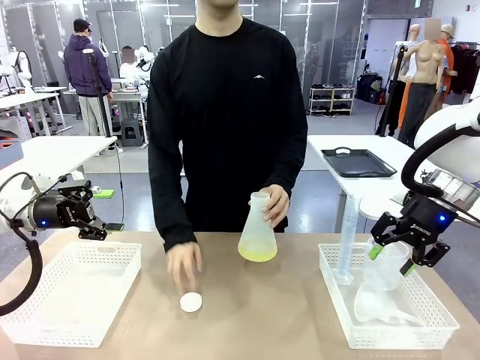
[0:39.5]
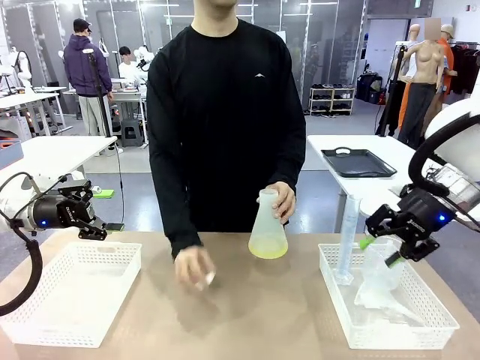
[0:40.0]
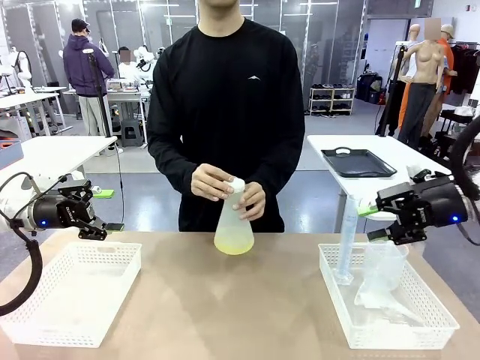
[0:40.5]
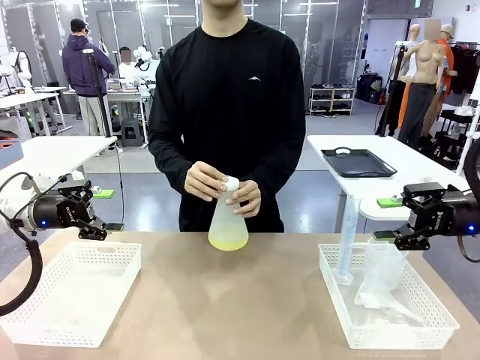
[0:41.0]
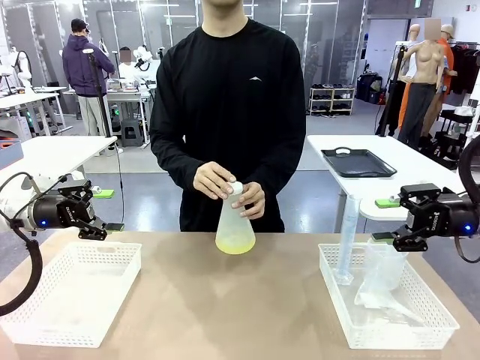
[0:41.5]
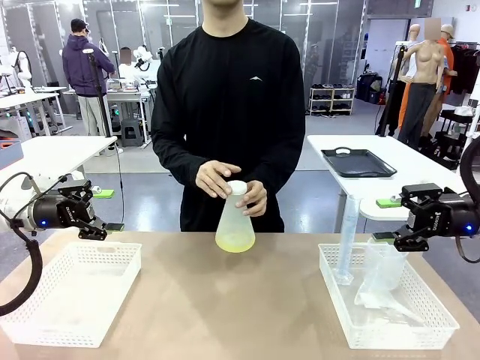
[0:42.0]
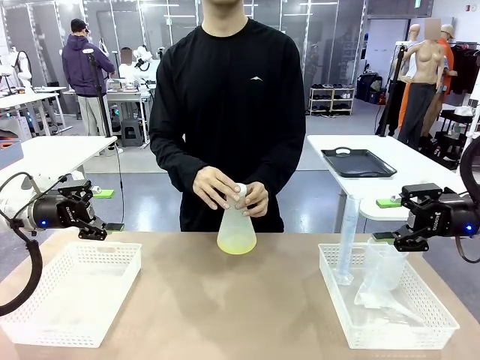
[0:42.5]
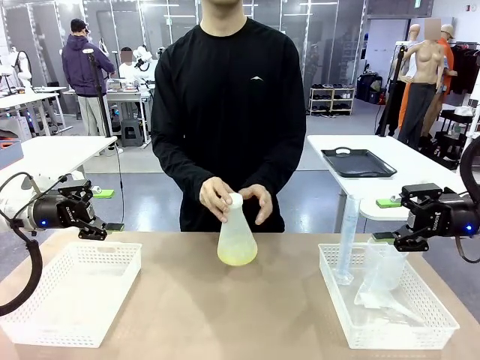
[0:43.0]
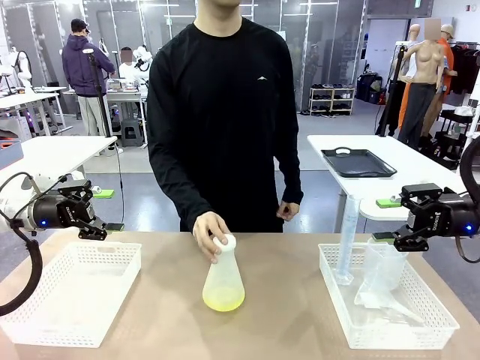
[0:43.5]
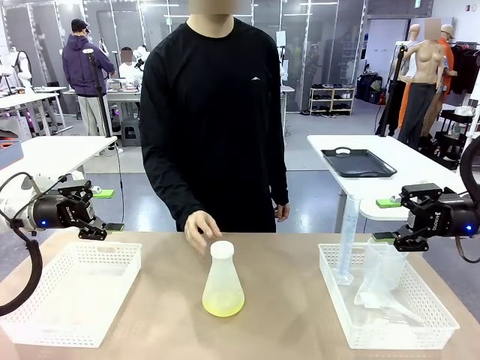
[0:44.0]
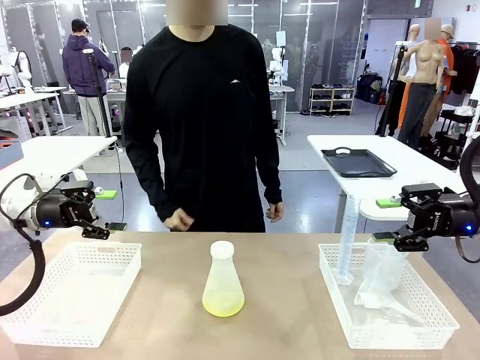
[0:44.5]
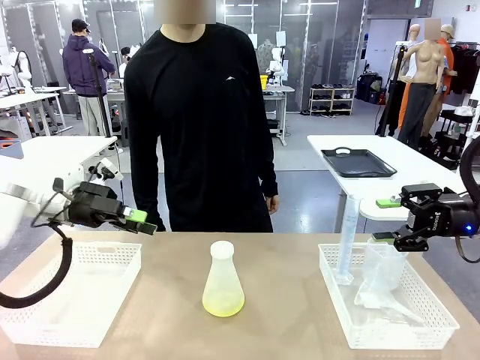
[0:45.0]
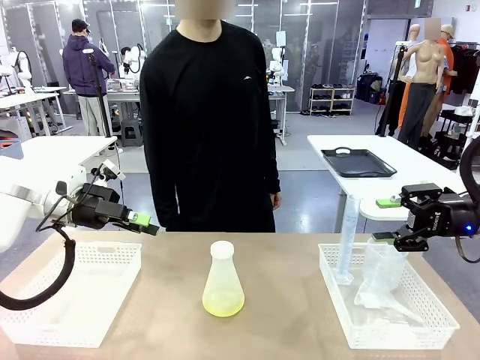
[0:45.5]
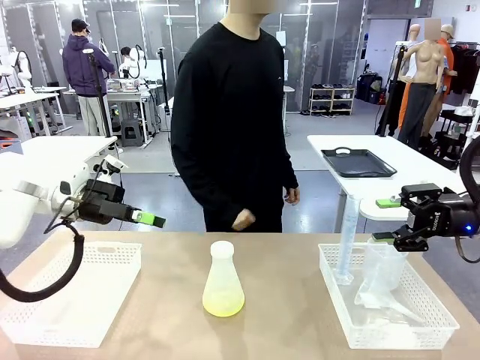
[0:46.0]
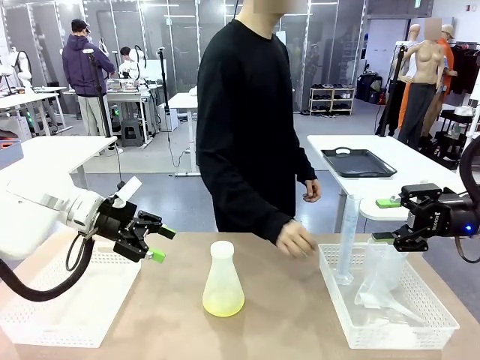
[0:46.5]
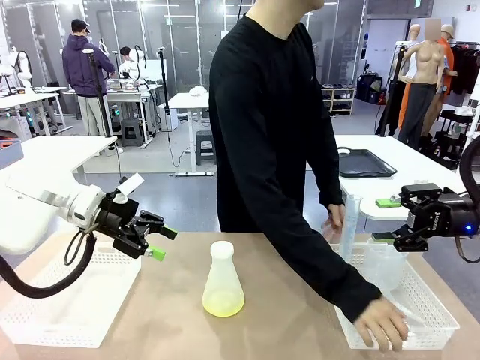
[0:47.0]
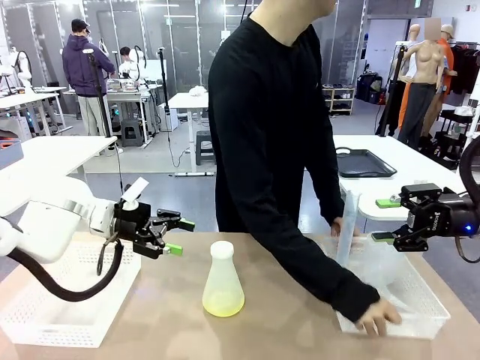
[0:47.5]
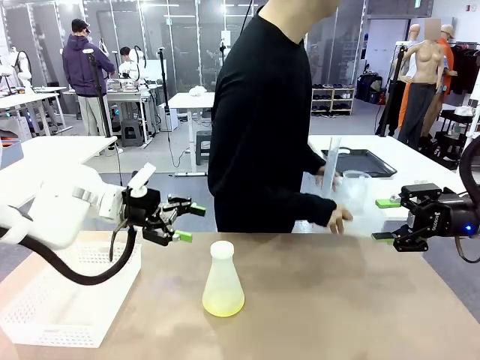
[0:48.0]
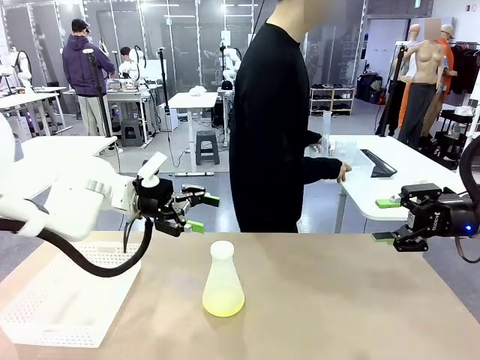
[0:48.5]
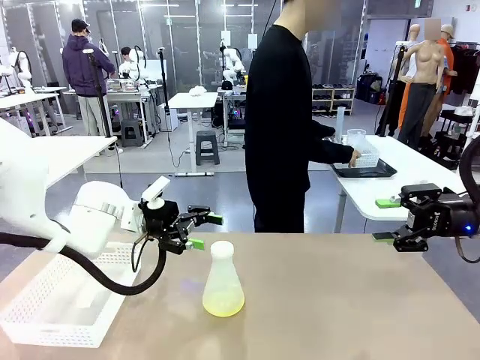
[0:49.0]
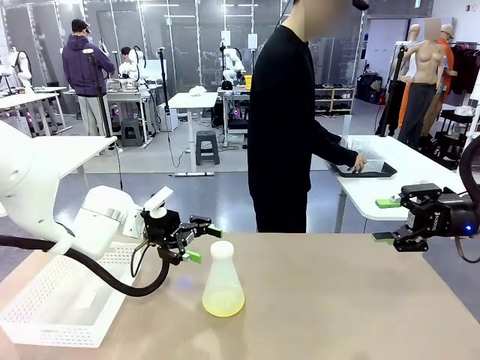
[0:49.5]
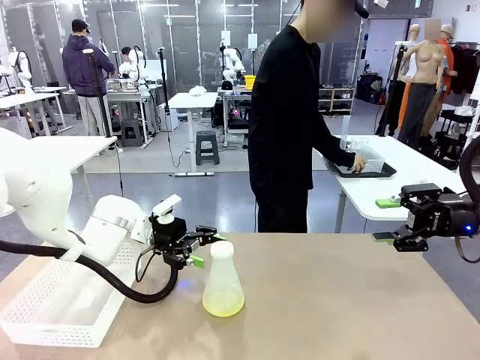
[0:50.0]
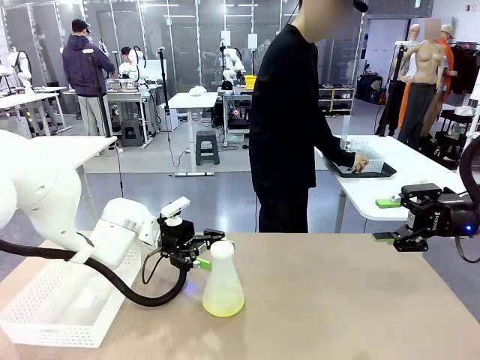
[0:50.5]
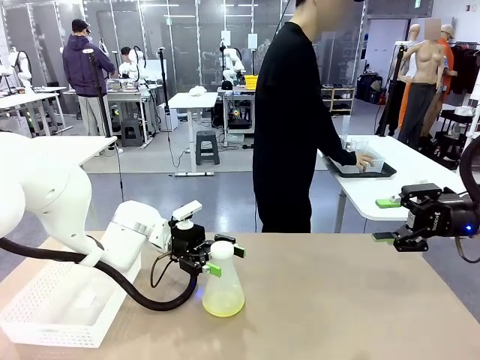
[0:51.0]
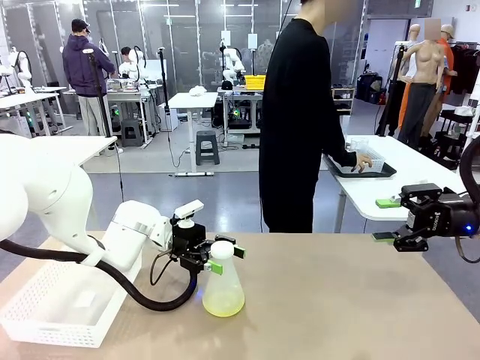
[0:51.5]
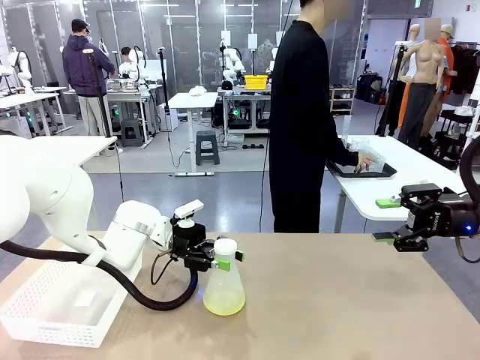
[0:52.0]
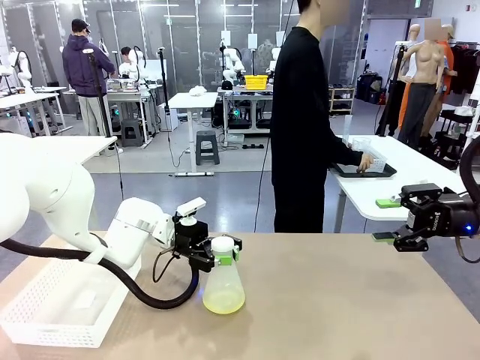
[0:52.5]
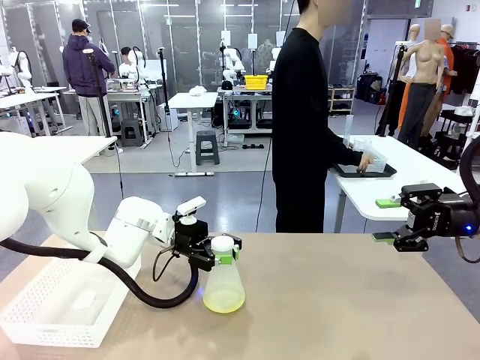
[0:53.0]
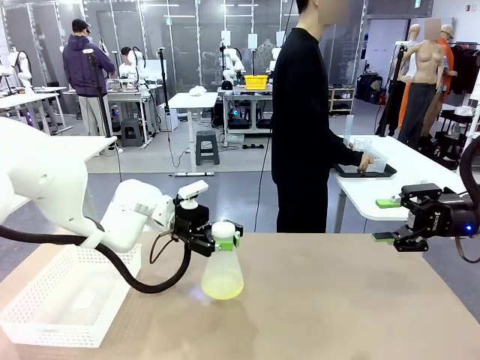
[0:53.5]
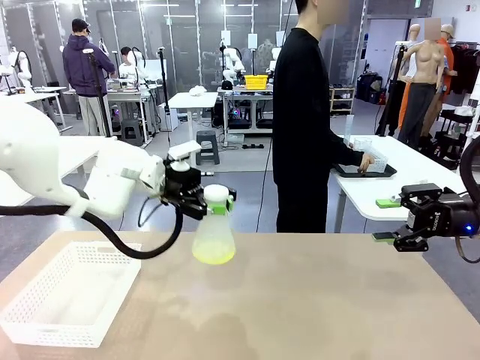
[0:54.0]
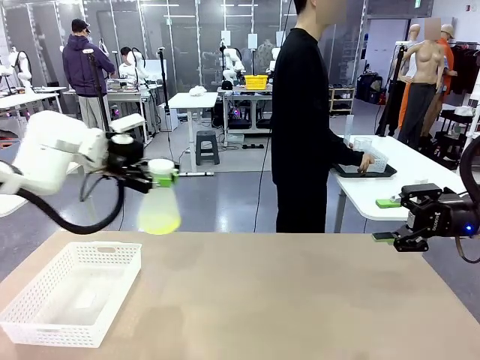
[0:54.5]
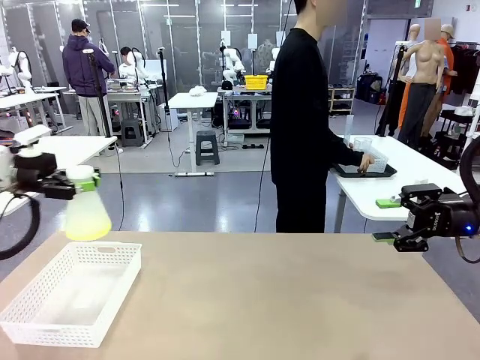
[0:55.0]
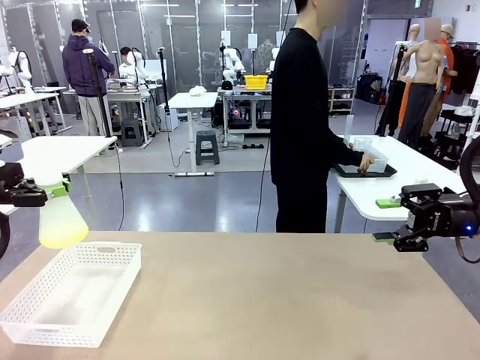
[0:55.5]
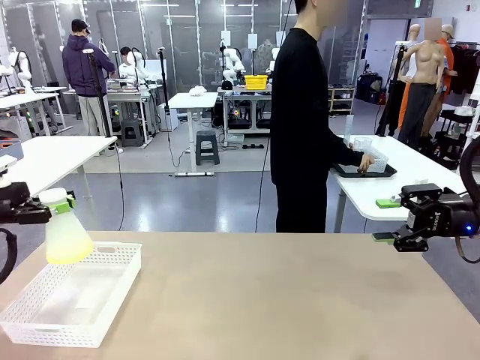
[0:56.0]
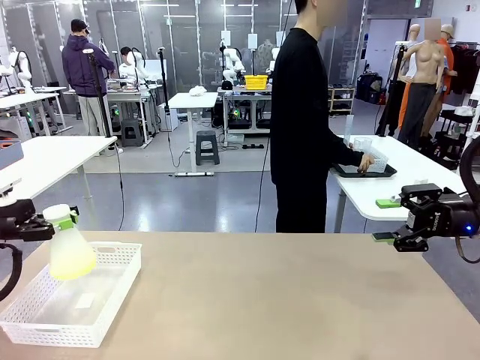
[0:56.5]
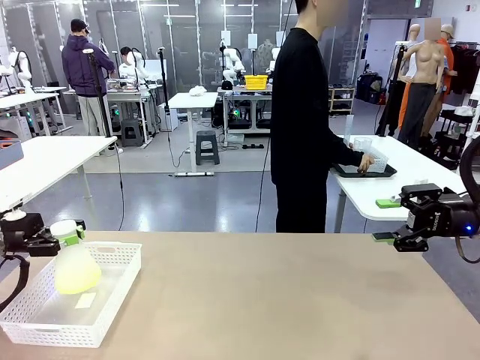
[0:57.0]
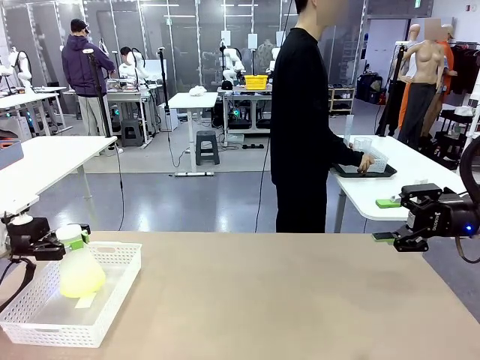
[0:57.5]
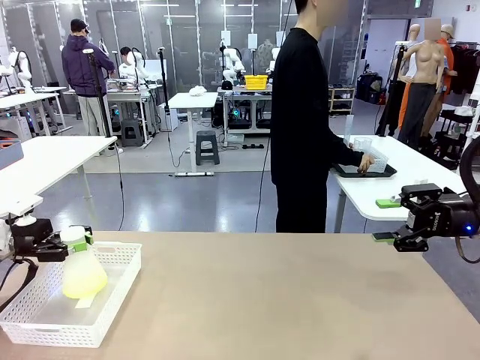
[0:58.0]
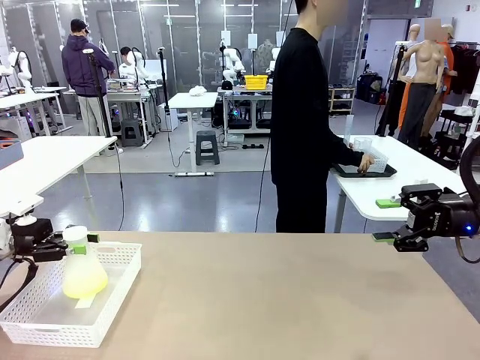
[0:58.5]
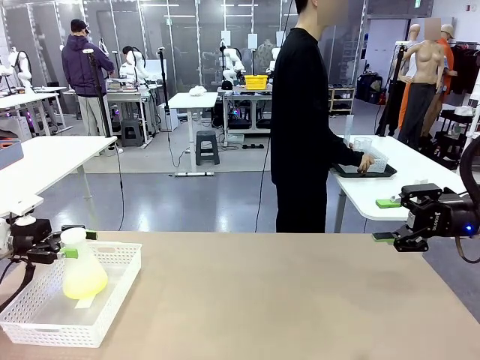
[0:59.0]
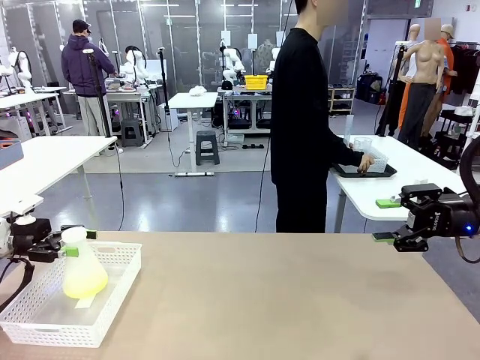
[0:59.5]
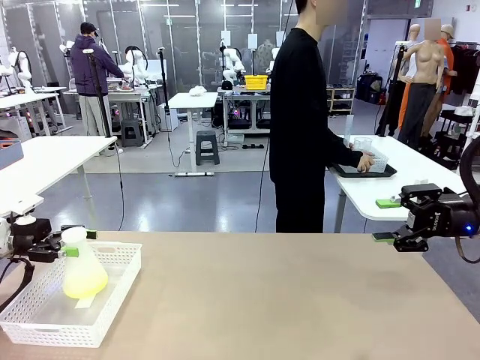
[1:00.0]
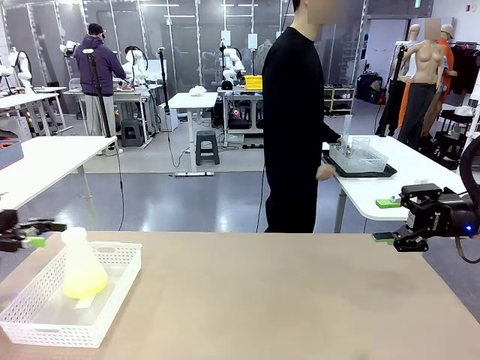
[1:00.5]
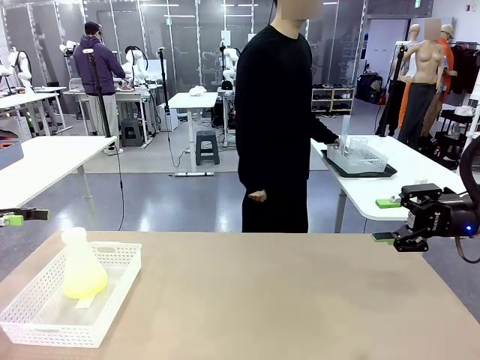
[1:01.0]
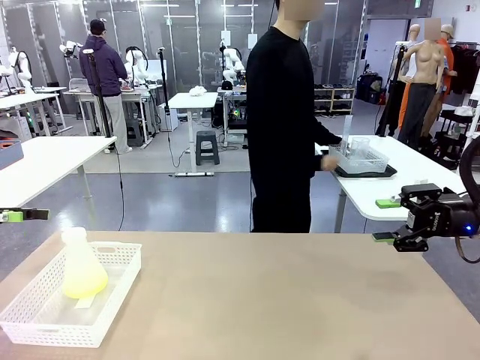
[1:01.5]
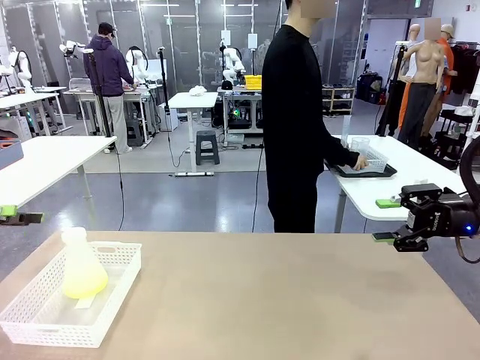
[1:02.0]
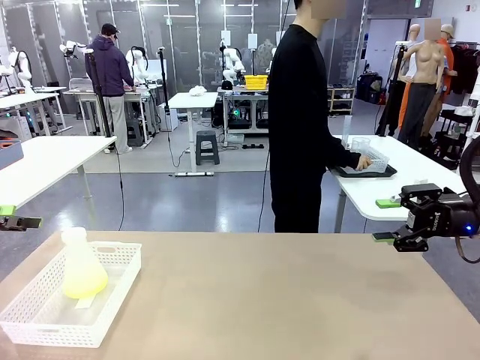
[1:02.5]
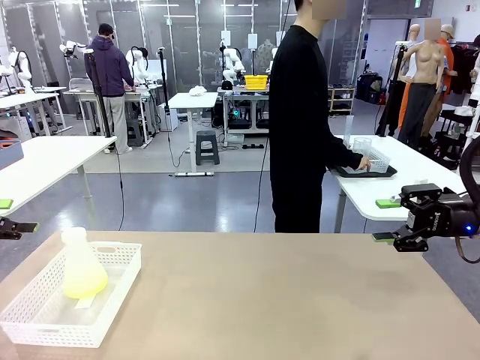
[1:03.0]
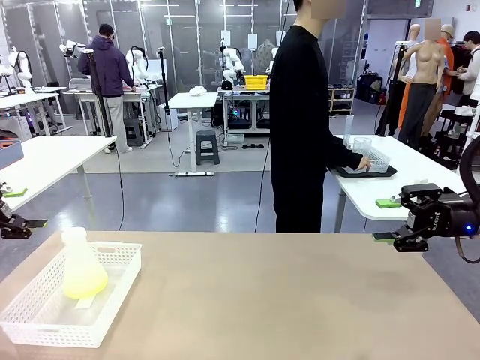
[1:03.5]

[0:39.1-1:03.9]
Task: Prepare the solutions needed for the experiment.
Robot: When the human places the Big flask in the center of the table, pick up the Big flask and place it in the left Organizing basket.
Person: Pick up the organizing basket on the left side of the robot table and place it on the left side of the human table.
